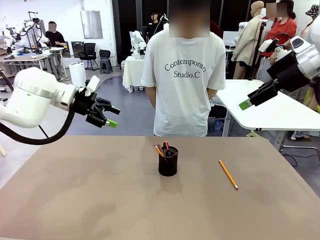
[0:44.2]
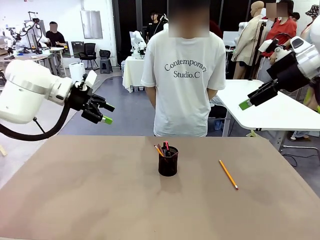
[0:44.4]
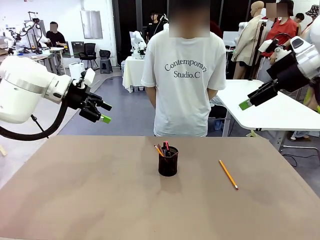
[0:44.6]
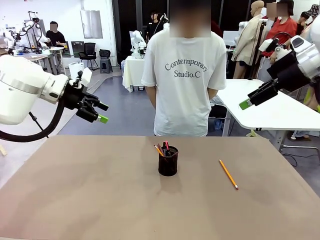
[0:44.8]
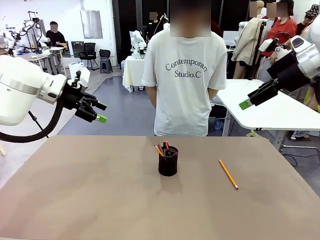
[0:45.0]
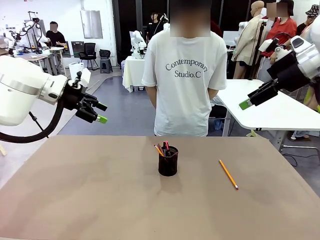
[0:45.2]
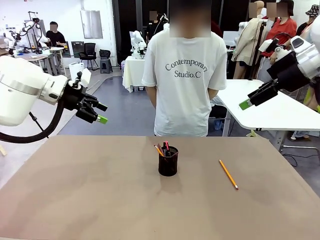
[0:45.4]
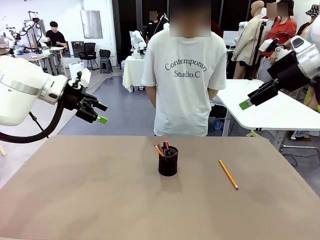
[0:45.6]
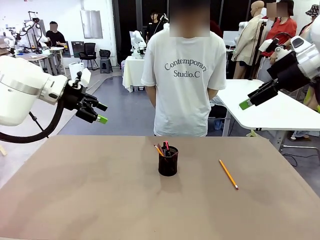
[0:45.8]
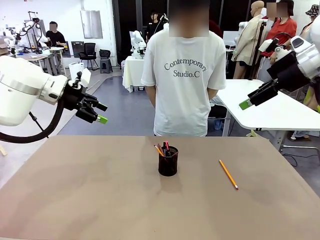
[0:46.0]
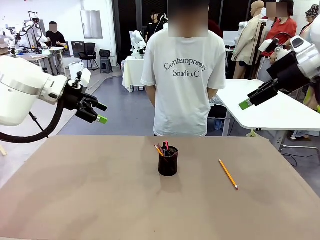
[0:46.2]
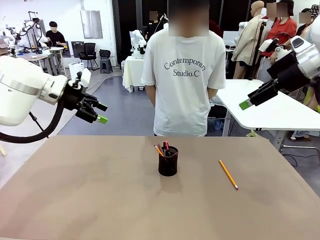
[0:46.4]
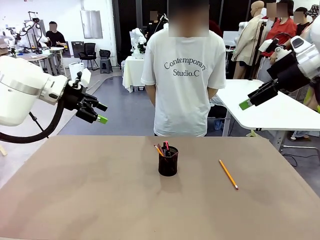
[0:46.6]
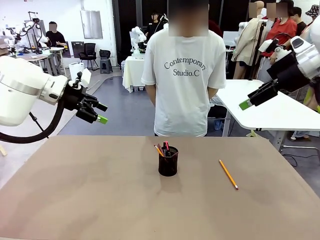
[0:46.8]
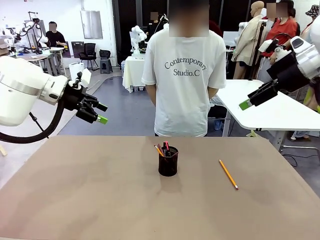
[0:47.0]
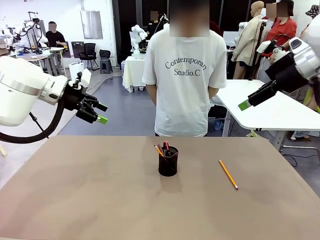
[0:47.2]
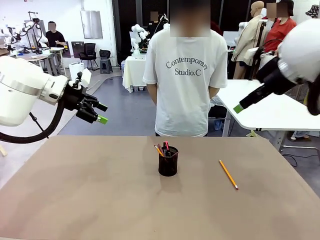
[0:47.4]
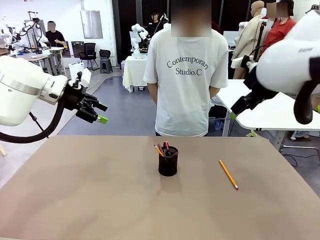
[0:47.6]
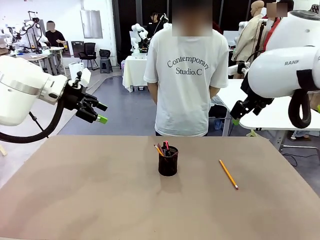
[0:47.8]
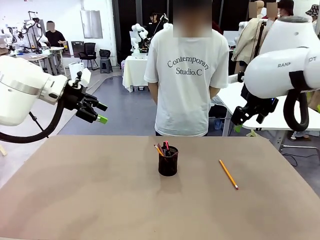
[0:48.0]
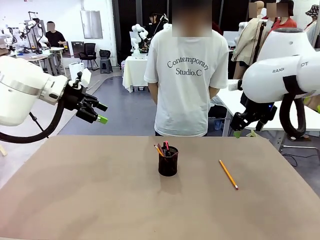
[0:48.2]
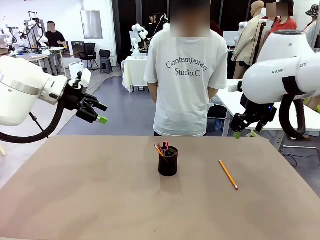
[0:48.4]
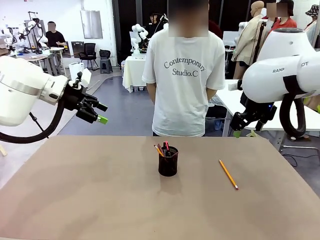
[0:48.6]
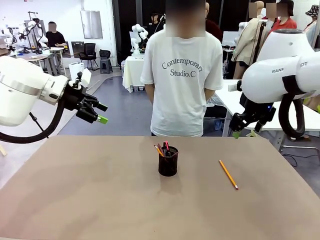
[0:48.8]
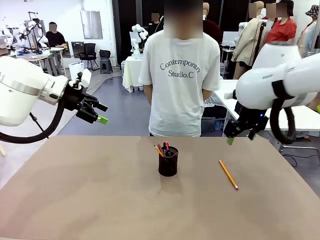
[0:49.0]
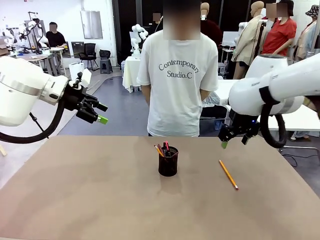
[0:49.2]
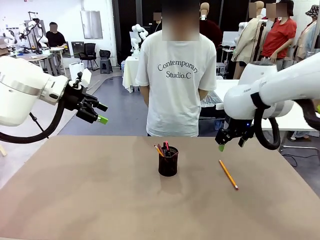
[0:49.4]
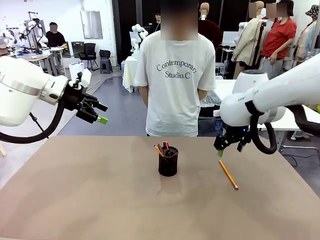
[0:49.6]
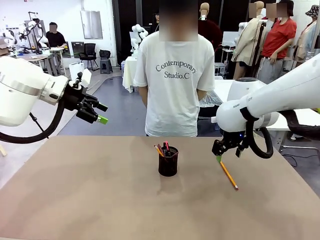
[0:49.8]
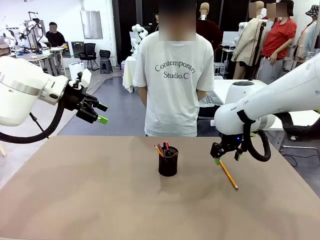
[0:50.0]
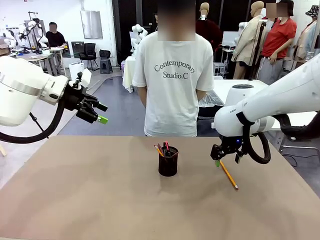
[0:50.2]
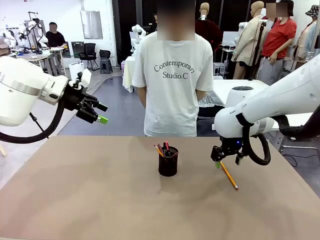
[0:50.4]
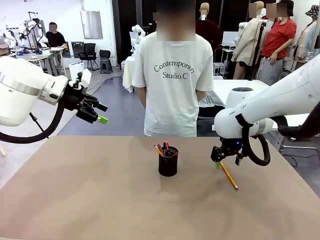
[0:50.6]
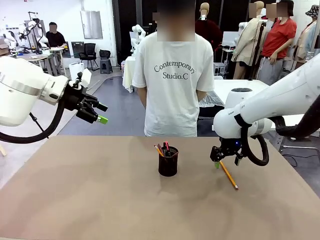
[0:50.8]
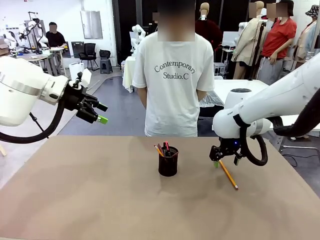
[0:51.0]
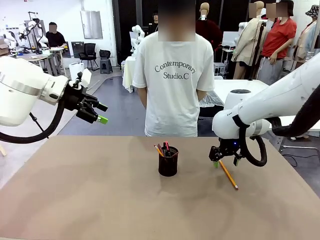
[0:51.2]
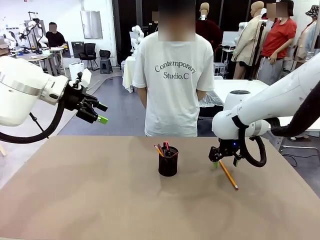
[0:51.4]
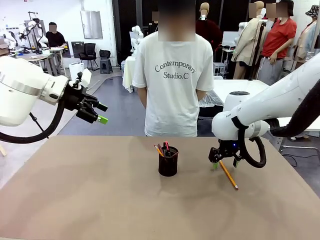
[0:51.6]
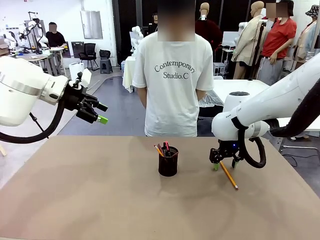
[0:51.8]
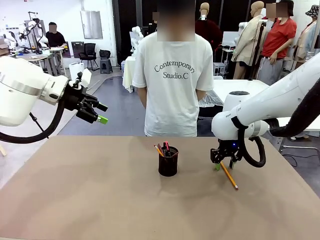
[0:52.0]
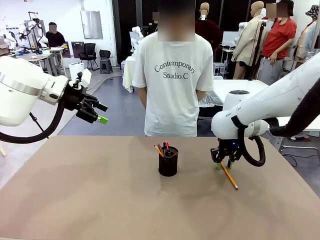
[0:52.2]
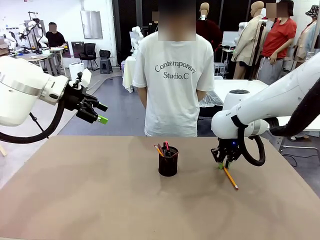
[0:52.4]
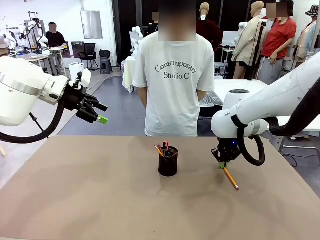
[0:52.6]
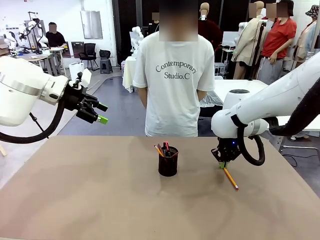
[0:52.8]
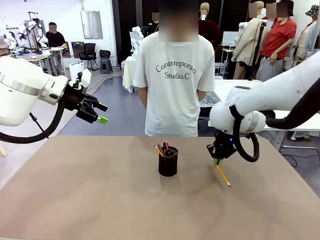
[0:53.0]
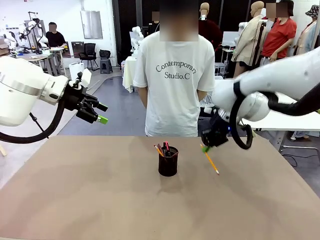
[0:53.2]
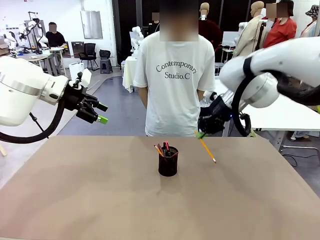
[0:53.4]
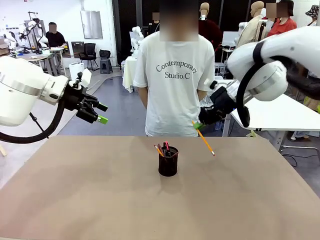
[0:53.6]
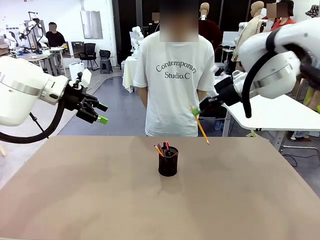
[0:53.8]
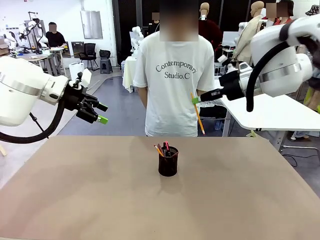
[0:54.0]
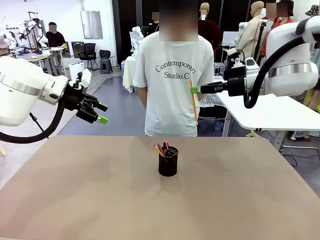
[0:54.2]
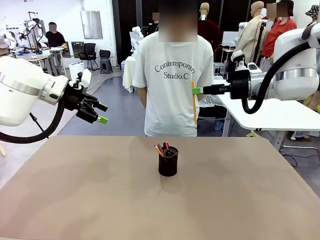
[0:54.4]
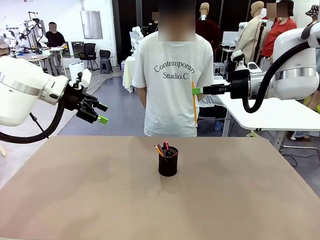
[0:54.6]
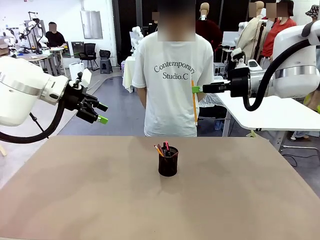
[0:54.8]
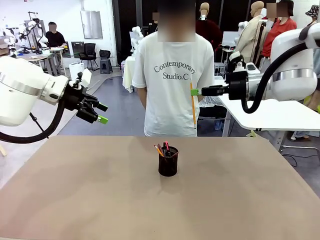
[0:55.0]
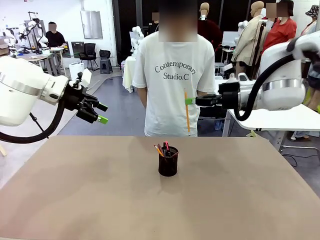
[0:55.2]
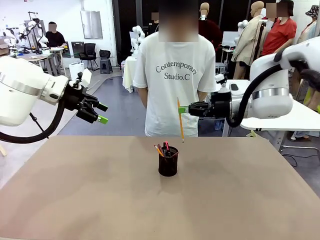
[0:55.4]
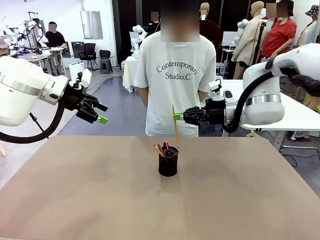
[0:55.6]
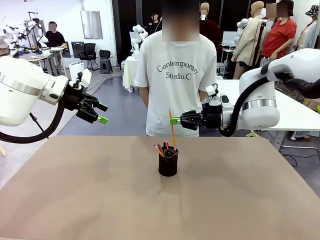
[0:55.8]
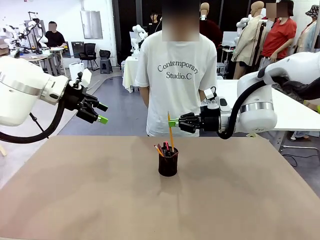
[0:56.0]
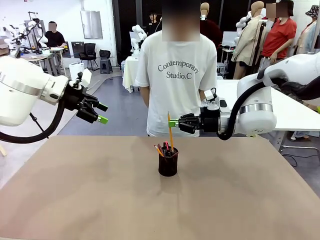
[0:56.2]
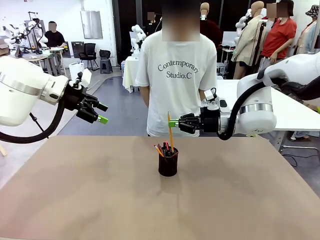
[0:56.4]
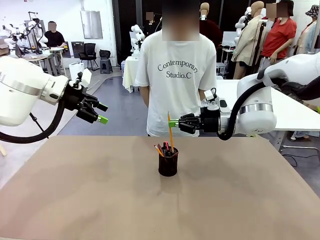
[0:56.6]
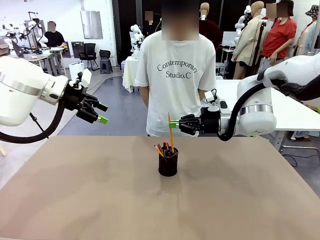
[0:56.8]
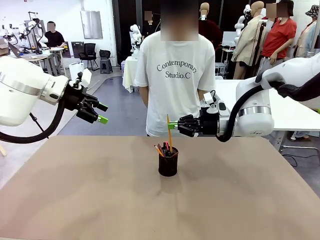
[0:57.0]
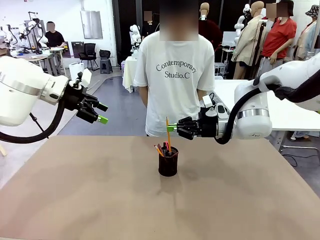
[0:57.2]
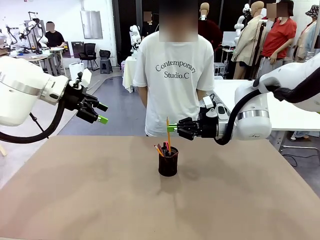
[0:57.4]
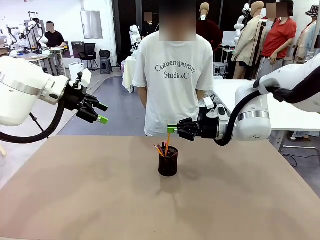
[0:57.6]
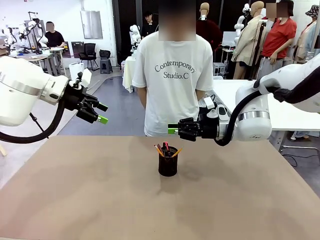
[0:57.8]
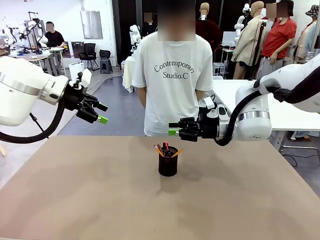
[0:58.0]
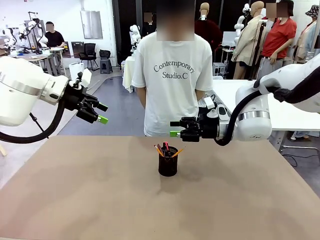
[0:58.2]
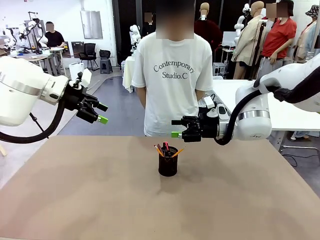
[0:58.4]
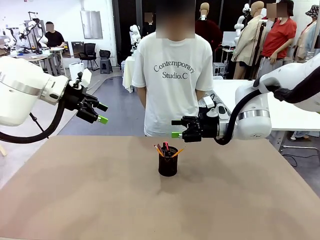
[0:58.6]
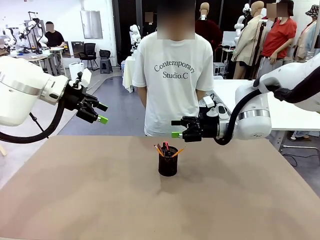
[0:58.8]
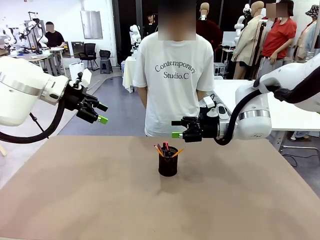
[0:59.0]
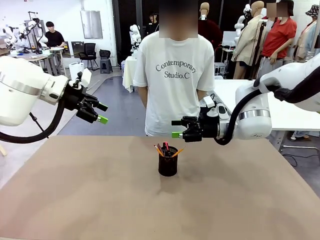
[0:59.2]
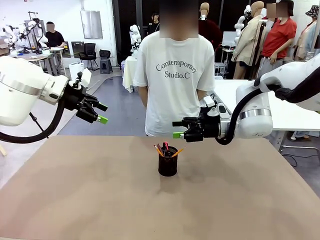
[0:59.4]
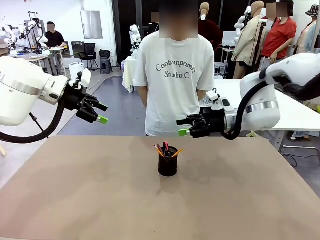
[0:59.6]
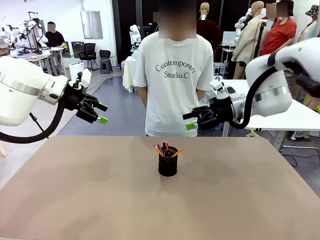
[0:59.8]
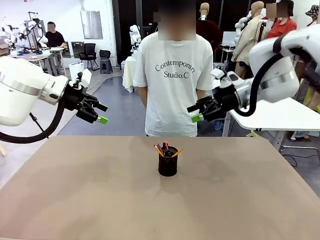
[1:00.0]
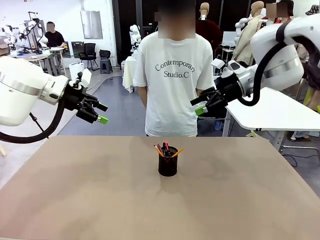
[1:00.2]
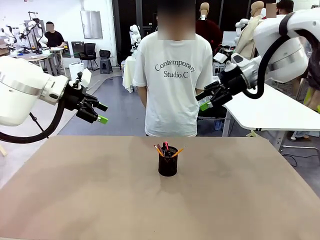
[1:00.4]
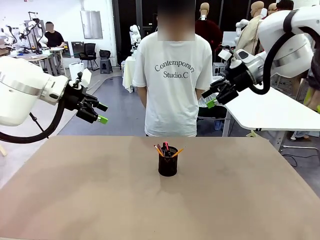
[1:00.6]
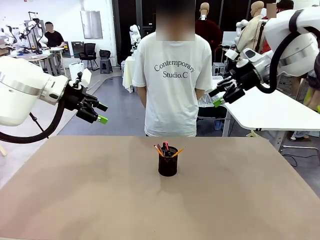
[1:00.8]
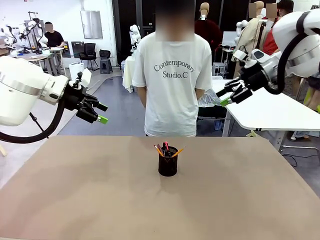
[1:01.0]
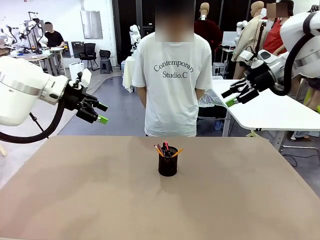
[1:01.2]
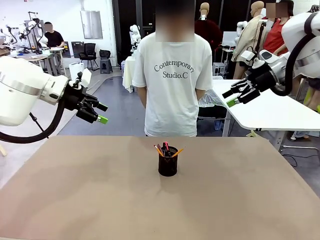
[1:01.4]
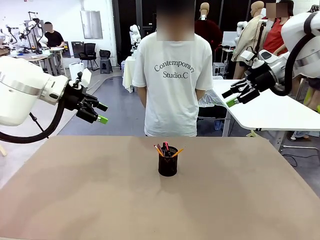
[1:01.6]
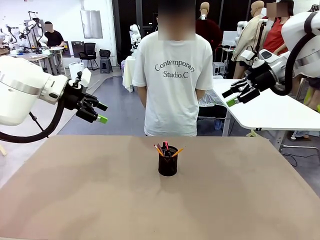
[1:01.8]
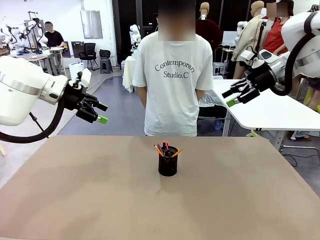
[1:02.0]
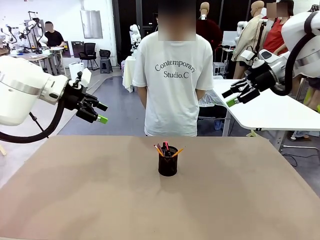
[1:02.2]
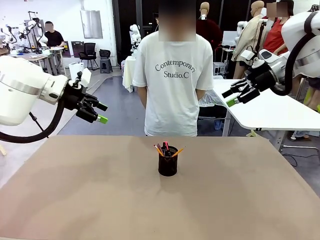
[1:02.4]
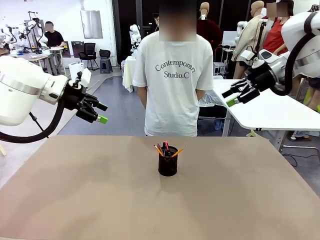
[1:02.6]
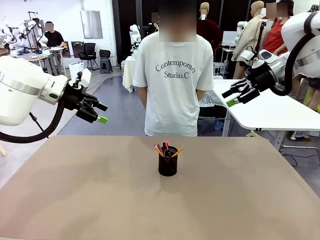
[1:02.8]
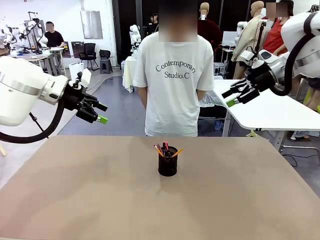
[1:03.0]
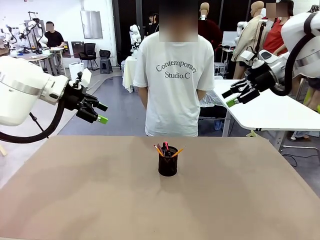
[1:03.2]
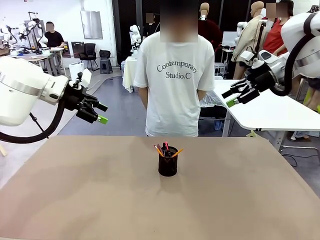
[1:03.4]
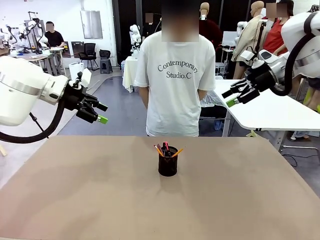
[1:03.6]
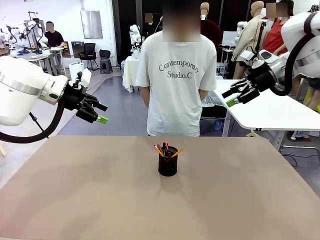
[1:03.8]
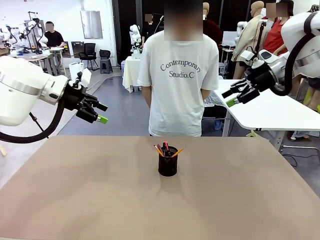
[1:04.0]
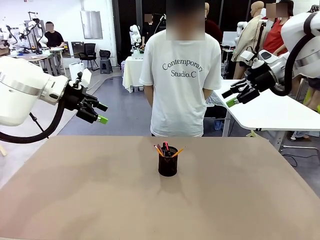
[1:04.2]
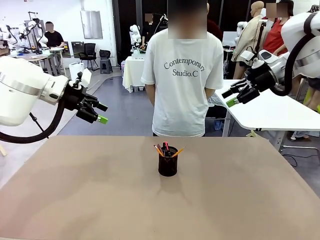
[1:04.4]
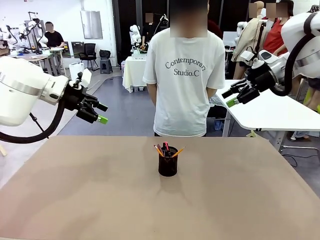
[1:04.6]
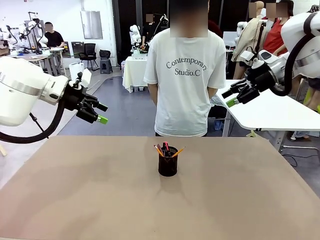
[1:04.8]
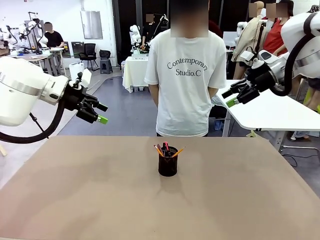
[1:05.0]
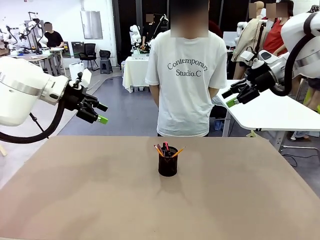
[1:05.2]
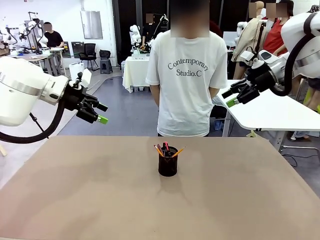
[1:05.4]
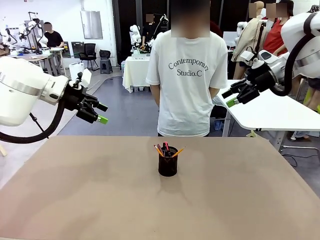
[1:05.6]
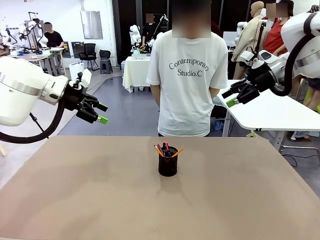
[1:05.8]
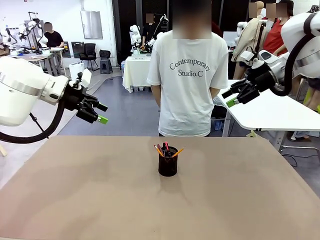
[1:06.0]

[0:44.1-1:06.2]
Task: Place the pens into the pen holder.
Robot: Pick up a writing instrument from the table and place it into the Pen holder.
